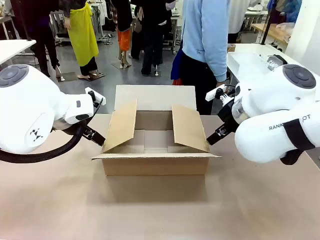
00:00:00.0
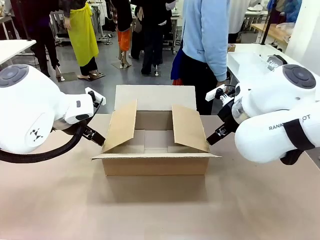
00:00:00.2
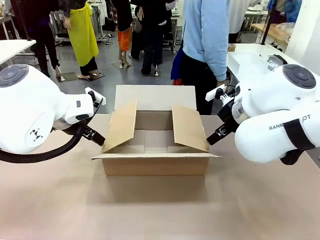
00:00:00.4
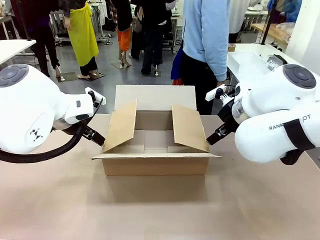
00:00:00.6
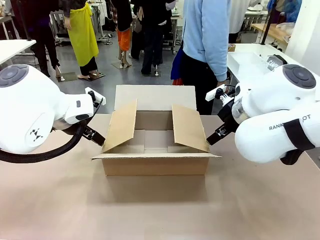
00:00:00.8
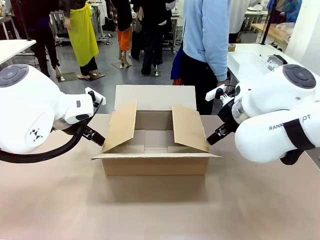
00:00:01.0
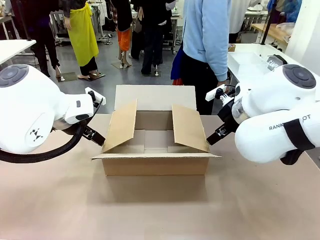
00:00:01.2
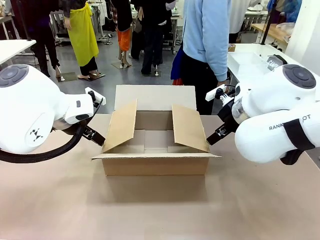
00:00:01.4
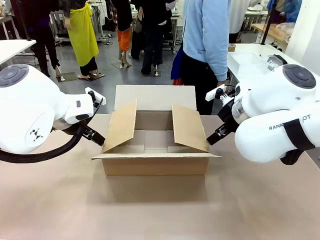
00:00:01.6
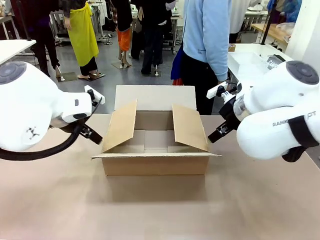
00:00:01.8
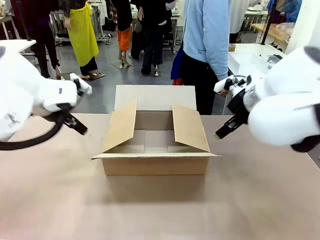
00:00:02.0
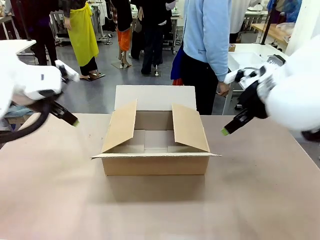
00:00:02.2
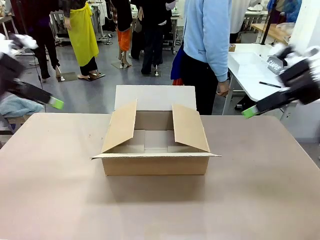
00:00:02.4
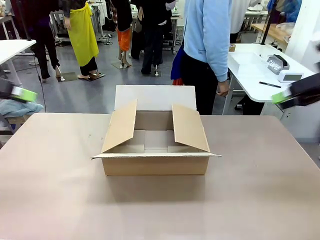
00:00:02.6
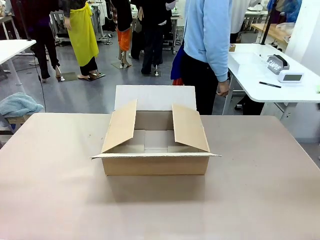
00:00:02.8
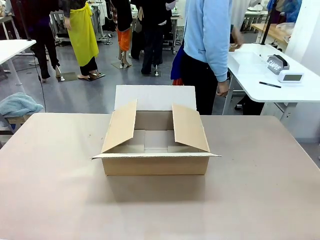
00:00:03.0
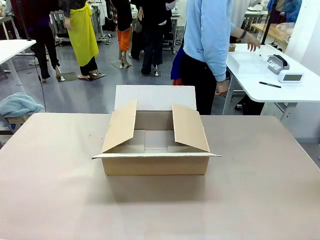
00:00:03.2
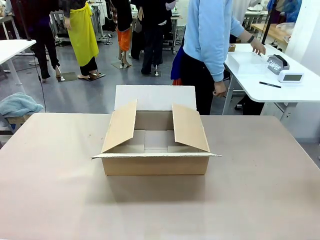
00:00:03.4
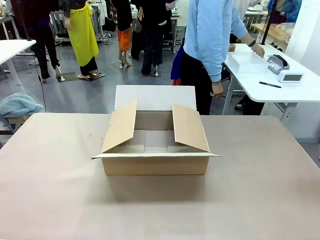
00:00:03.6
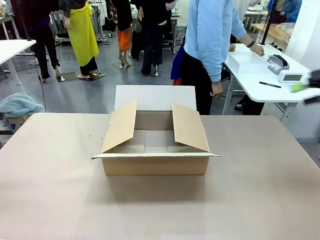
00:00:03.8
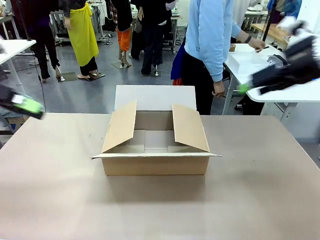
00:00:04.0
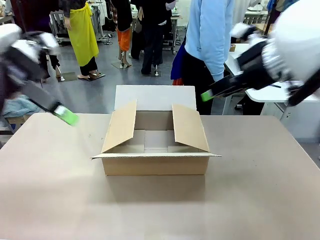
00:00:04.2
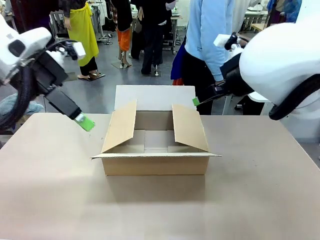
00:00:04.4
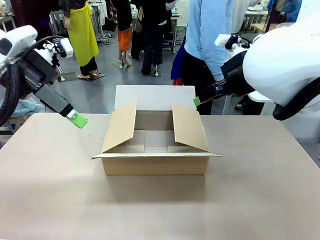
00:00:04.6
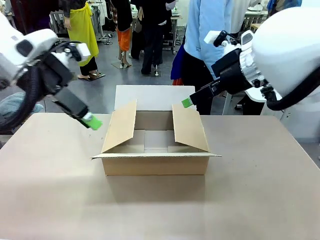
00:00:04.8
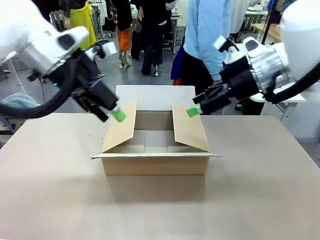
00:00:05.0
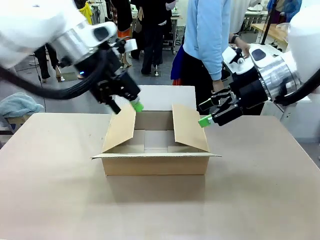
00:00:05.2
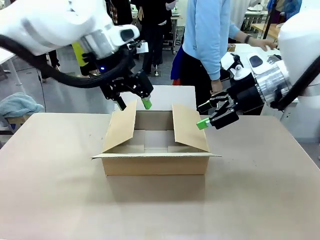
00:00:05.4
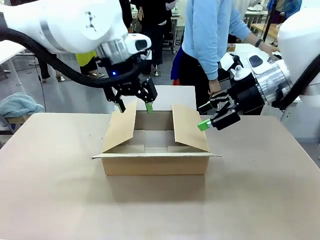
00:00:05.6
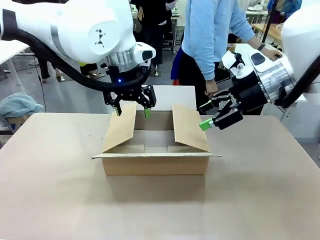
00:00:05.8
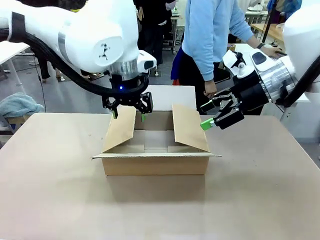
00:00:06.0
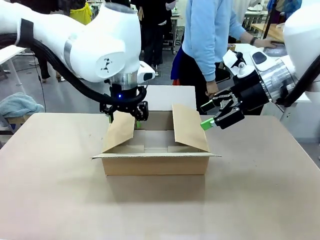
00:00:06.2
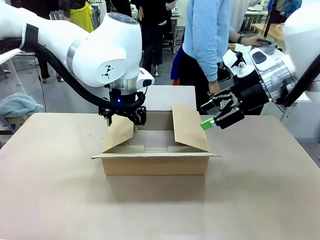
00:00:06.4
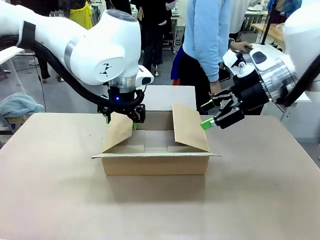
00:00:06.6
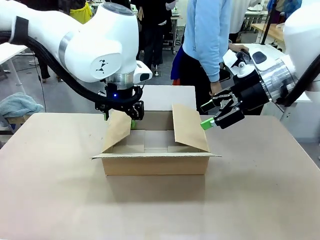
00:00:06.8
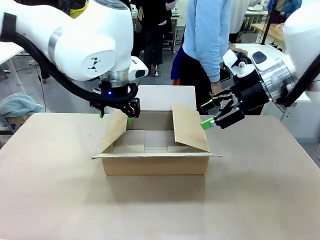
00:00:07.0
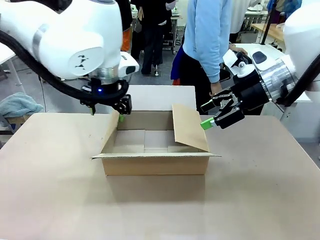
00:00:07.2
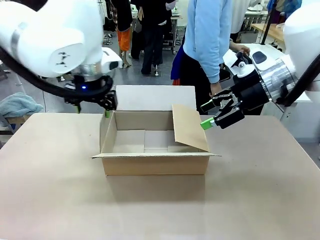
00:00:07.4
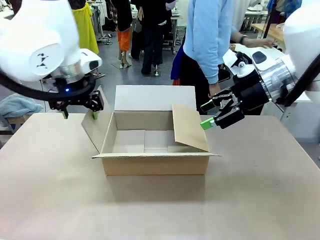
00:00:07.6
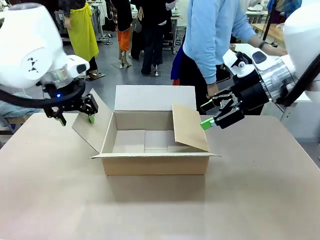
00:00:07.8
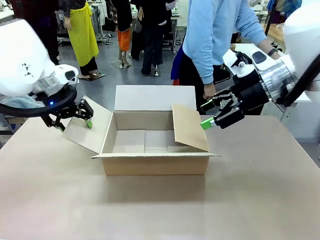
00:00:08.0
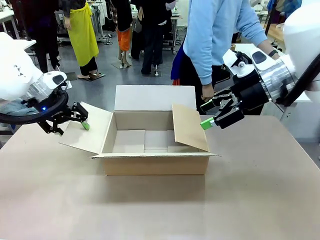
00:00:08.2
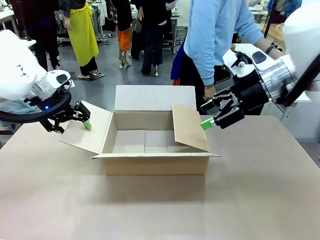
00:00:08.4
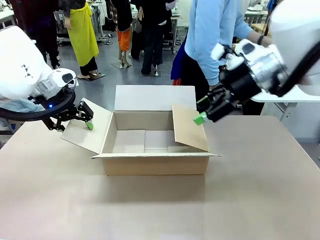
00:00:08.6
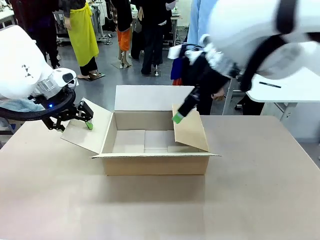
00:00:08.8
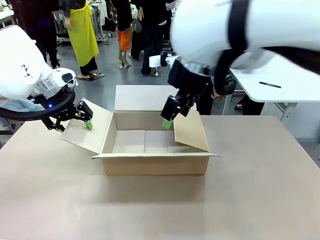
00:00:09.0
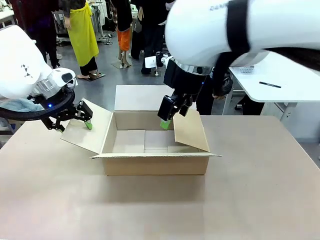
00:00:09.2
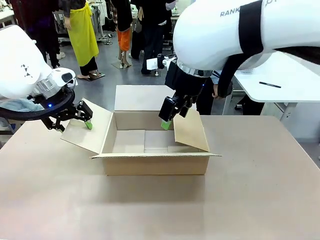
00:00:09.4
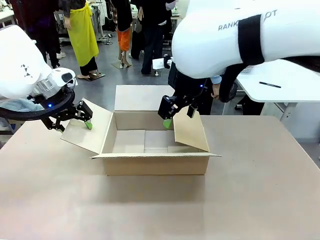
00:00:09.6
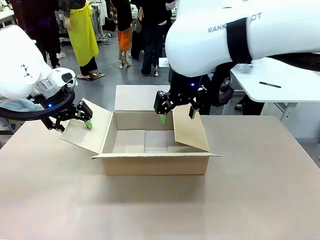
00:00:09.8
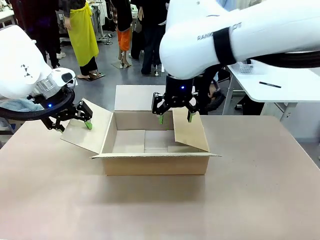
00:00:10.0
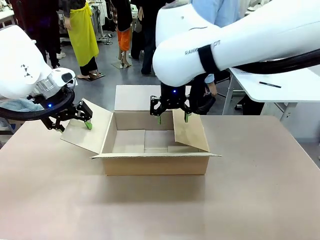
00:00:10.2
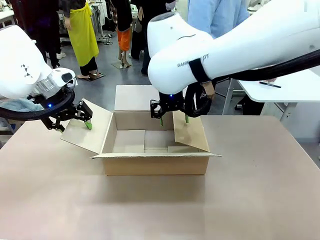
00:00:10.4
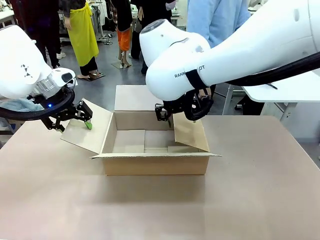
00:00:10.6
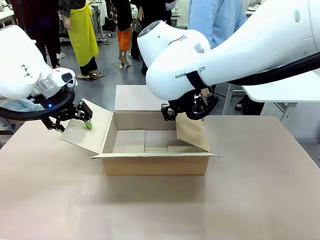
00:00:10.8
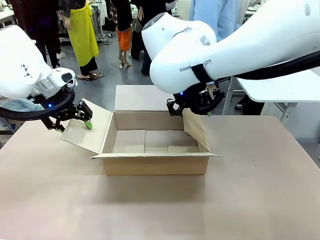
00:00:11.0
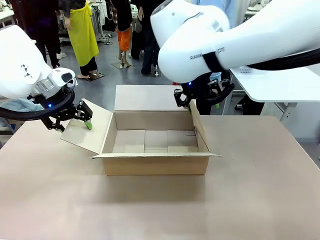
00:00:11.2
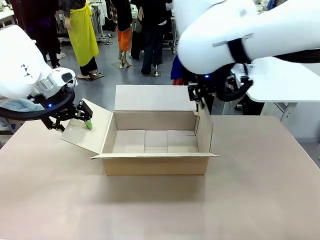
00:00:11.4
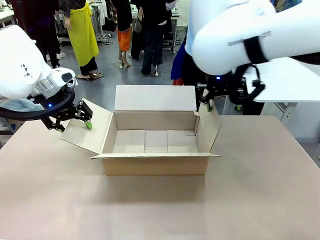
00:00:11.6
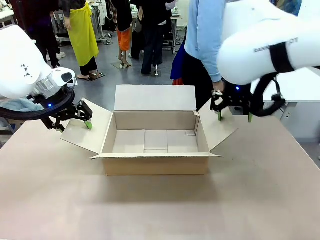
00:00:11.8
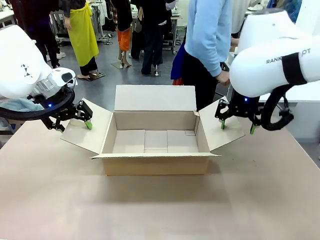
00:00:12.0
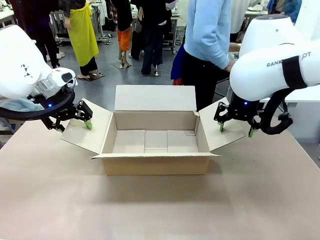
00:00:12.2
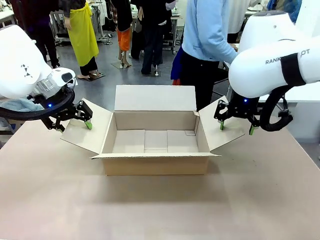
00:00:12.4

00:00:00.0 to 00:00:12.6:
Task: Pack the gift set into the box.
Robot: Place both hands on the side flaps of the Package Box and spread them outward.
Person: The human places all items except the paper tape into the organizing basket.

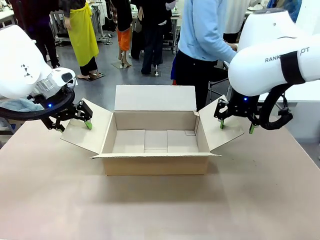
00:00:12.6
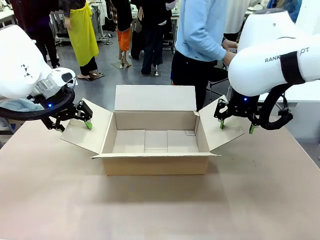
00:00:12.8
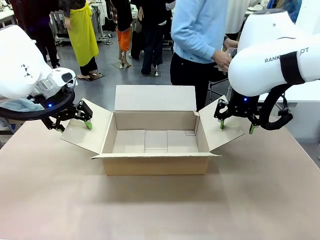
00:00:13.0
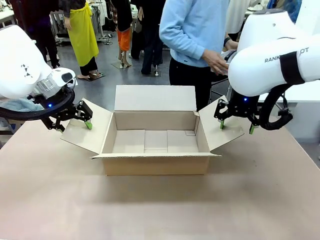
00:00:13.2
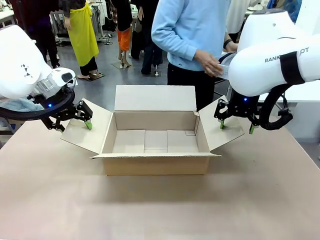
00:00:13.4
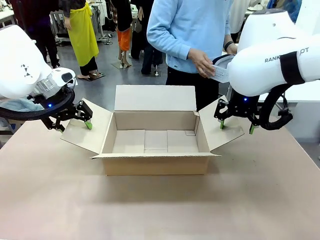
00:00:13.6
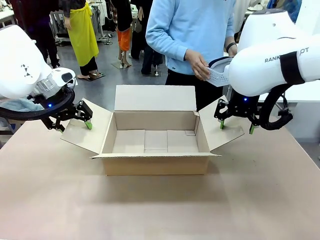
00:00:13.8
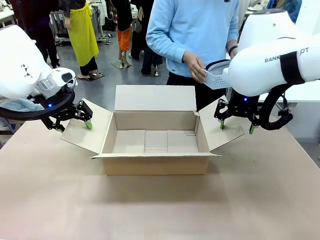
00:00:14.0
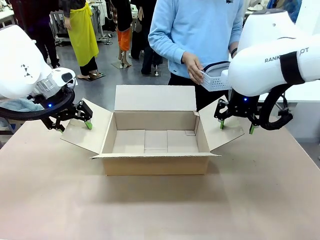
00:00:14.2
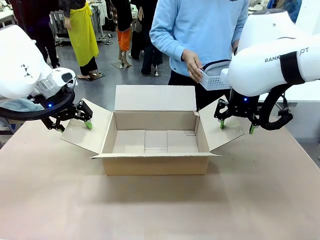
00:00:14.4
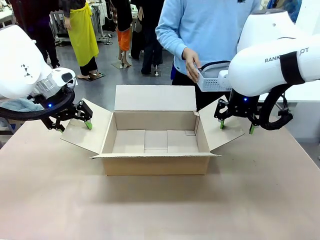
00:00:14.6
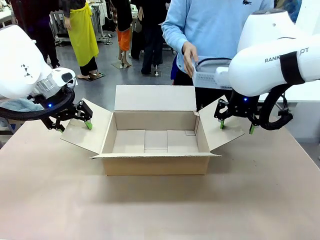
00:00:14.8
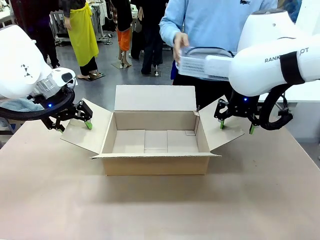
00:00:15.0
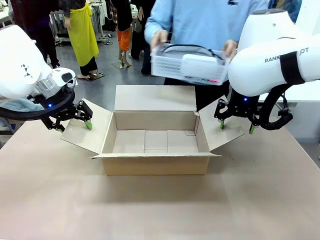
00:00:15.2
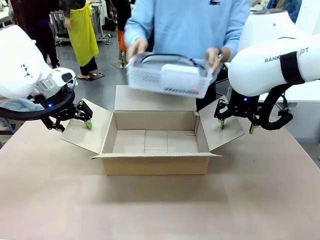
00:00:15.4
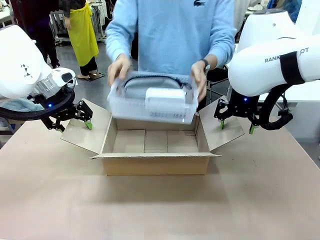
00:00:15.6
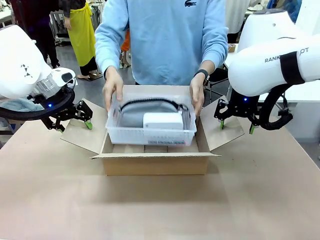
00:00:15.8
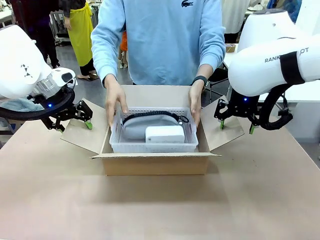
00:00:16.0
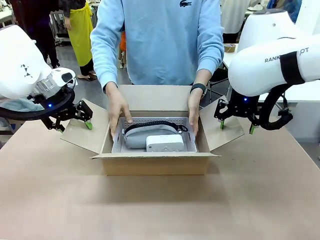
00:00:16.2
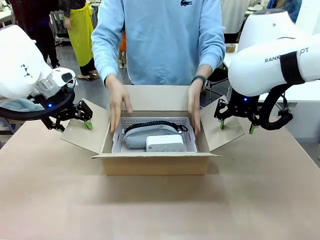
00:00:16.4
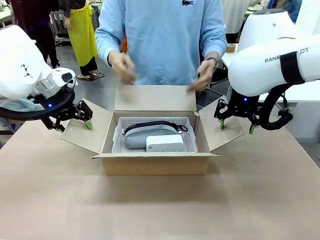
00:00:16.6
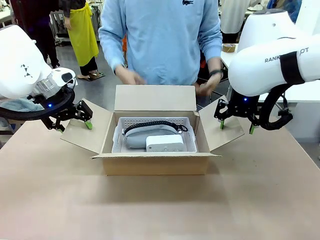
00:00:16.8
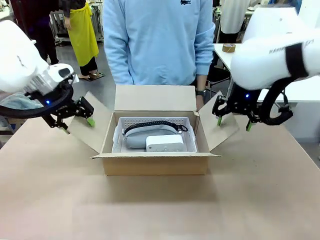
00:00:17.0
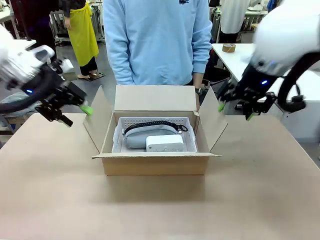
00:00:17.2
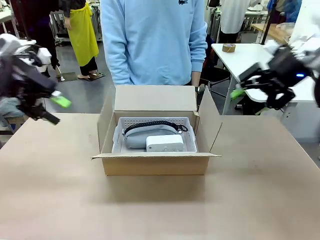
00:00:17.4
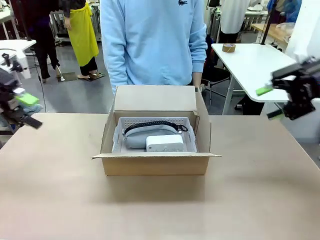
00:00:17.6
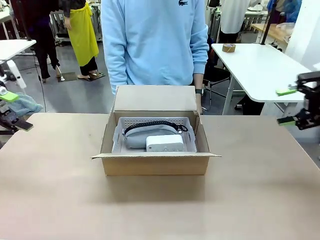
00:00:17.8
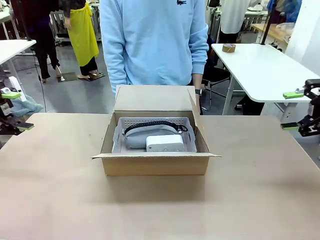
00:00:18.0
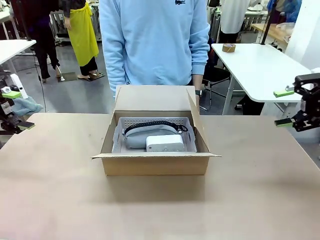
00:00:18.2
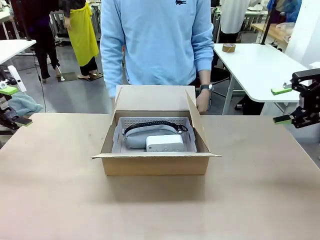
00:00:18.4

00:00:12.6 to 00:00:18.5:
Robot: Lift both hands away from the flaps of the Package Box.
Person: The human picks up the organizing basket and places the organizing basket into the package box on the robot table.
